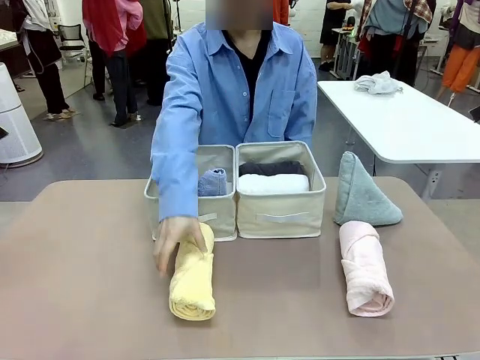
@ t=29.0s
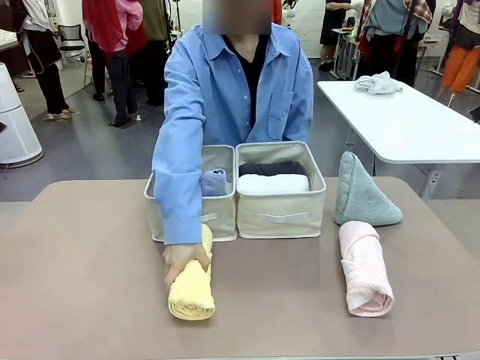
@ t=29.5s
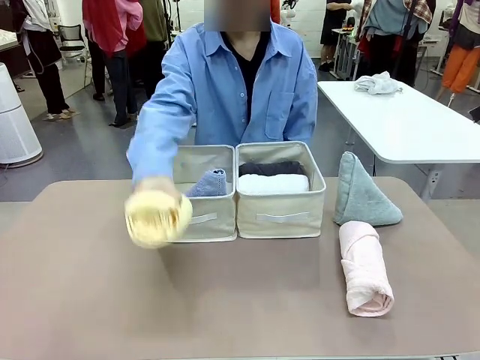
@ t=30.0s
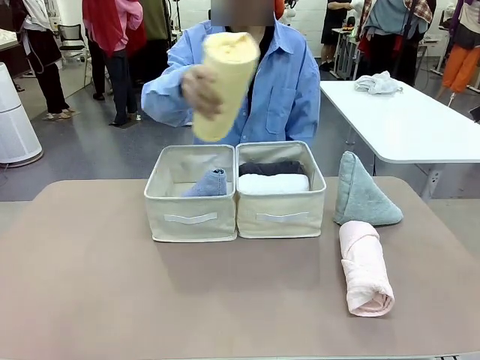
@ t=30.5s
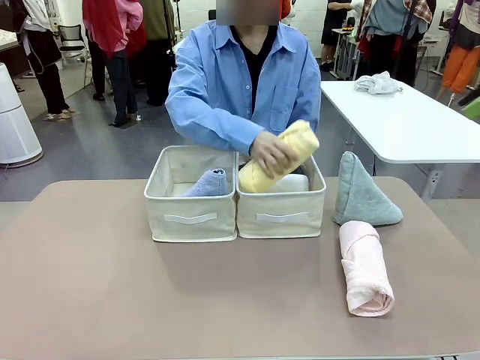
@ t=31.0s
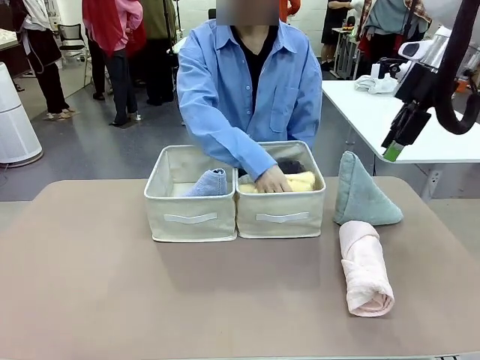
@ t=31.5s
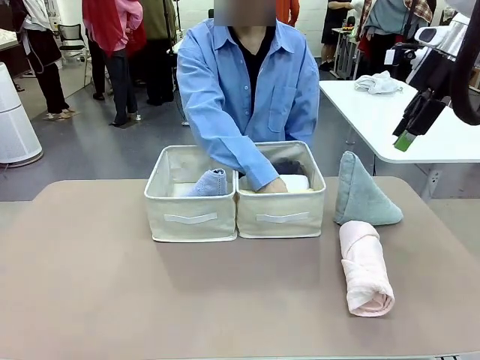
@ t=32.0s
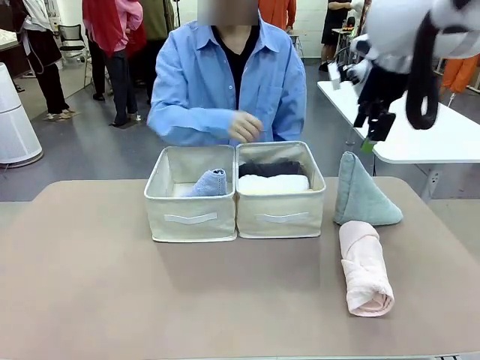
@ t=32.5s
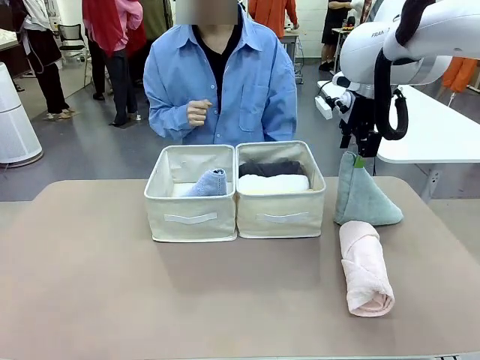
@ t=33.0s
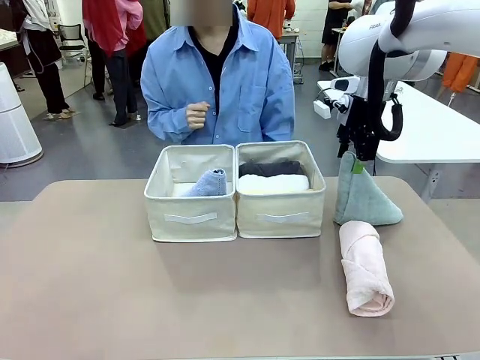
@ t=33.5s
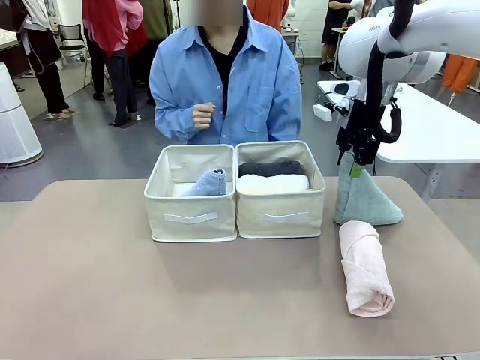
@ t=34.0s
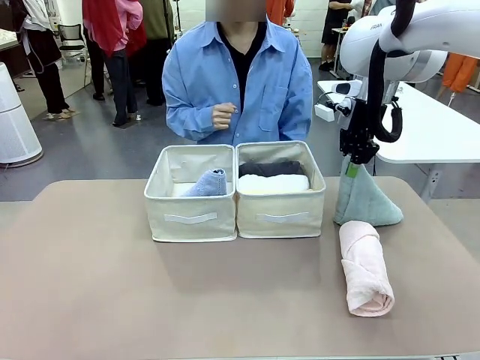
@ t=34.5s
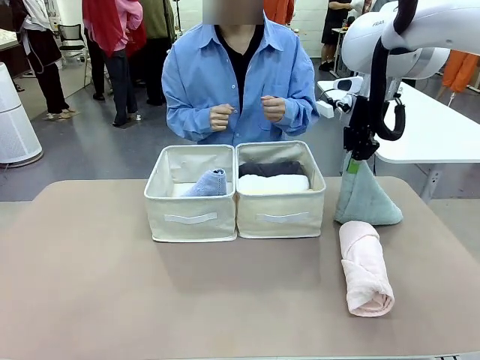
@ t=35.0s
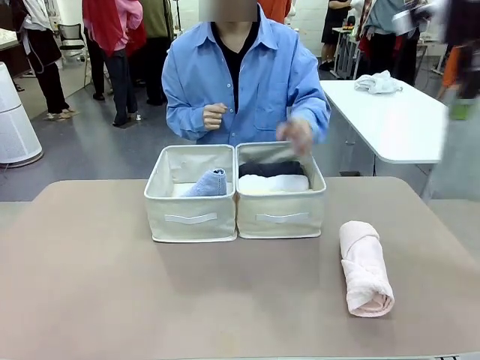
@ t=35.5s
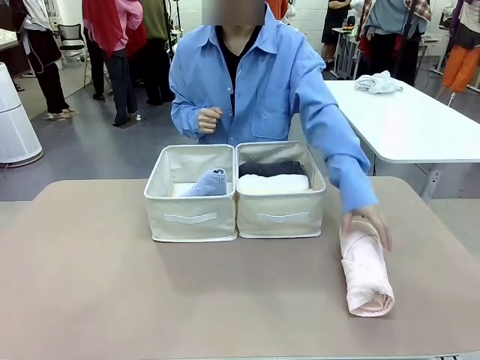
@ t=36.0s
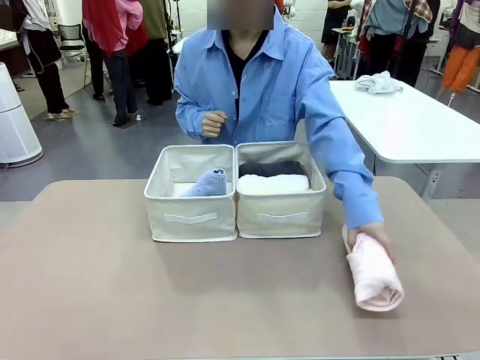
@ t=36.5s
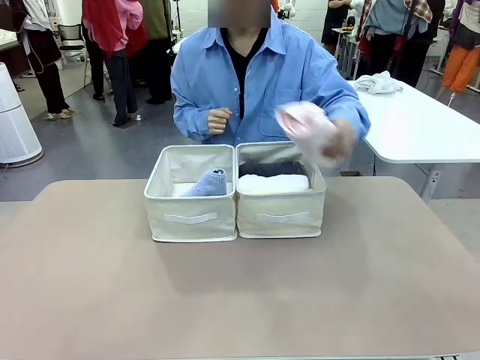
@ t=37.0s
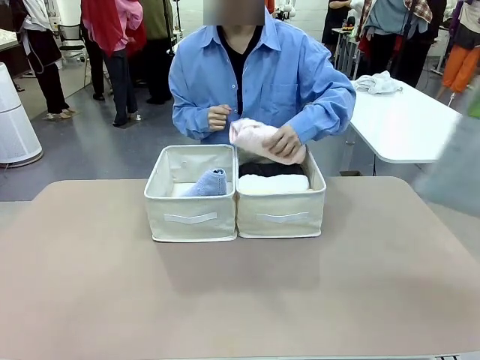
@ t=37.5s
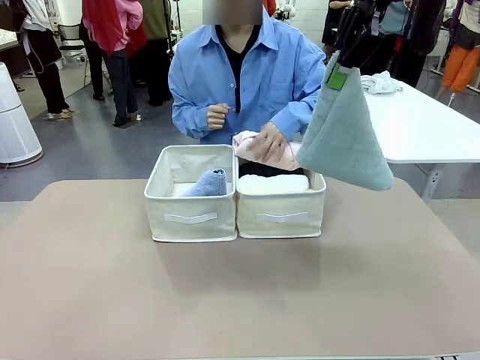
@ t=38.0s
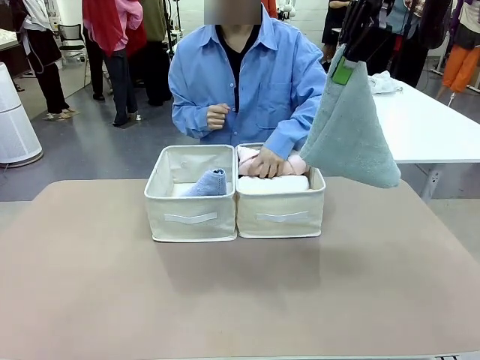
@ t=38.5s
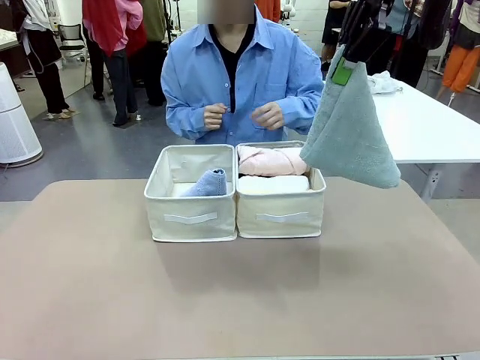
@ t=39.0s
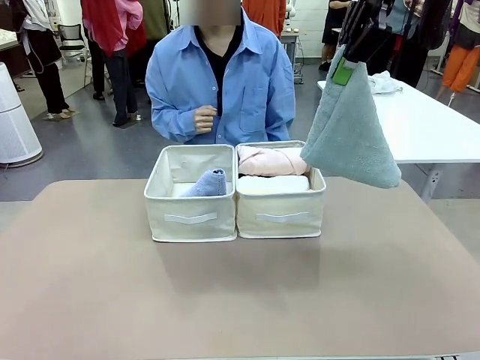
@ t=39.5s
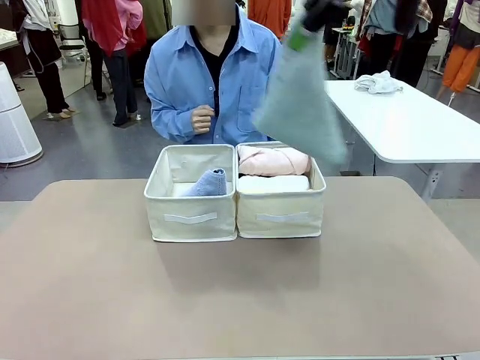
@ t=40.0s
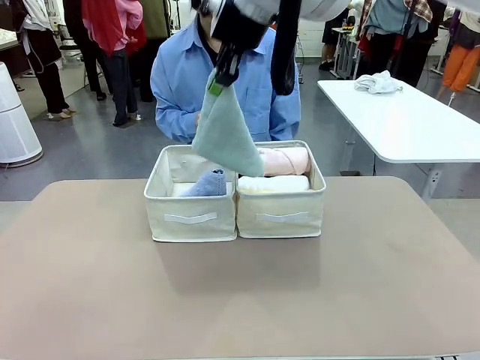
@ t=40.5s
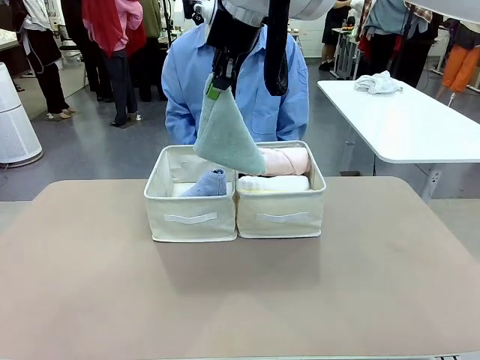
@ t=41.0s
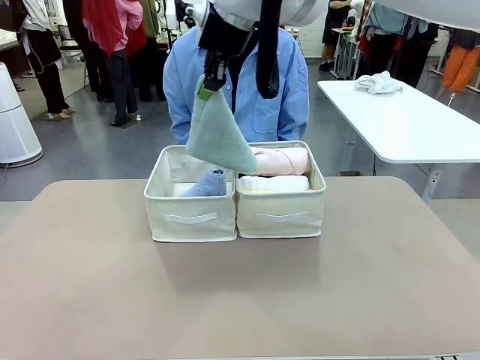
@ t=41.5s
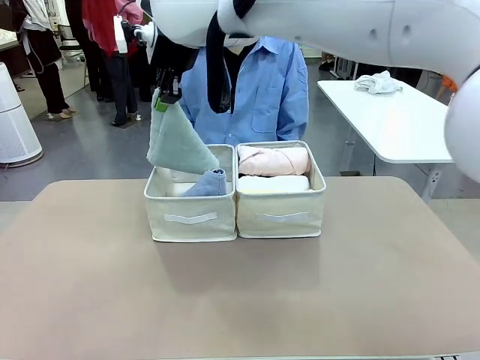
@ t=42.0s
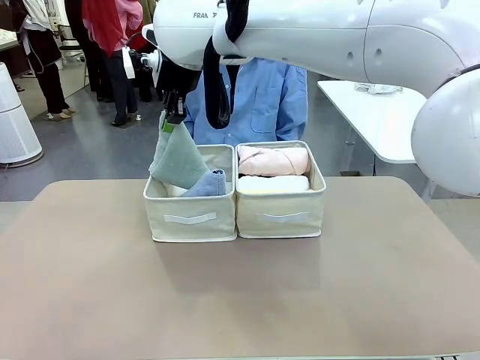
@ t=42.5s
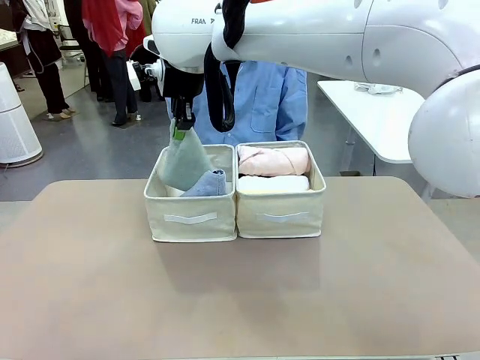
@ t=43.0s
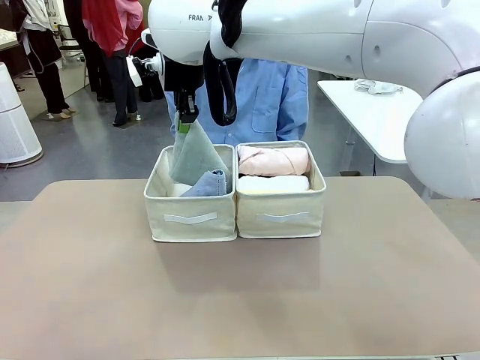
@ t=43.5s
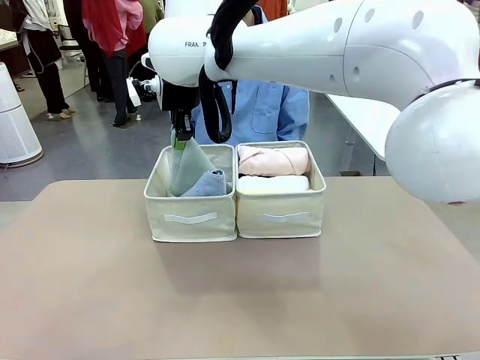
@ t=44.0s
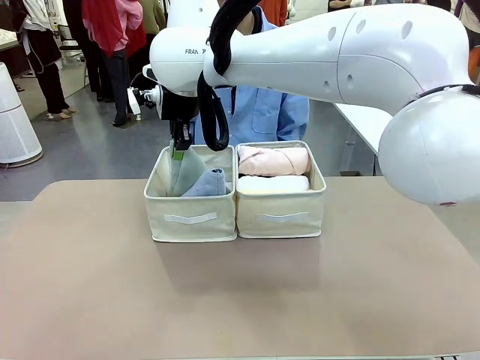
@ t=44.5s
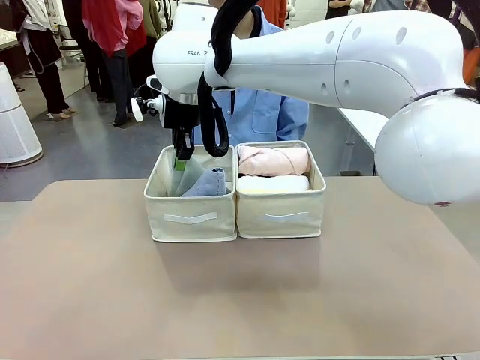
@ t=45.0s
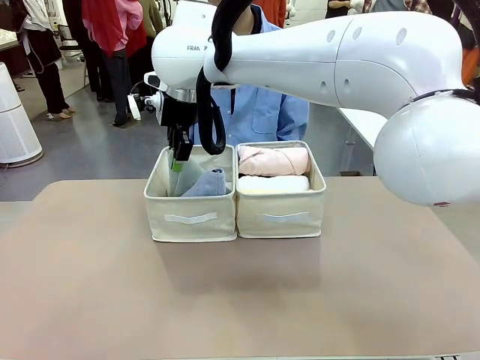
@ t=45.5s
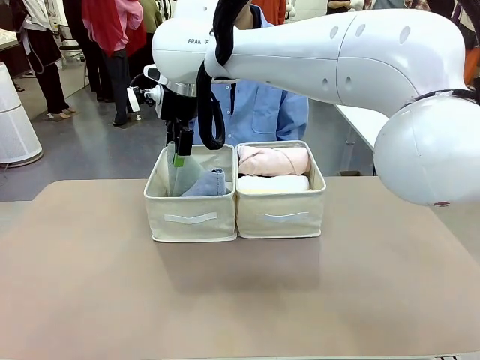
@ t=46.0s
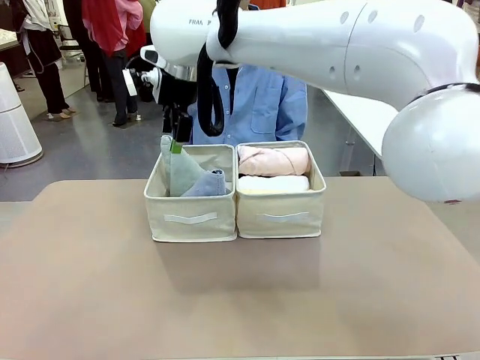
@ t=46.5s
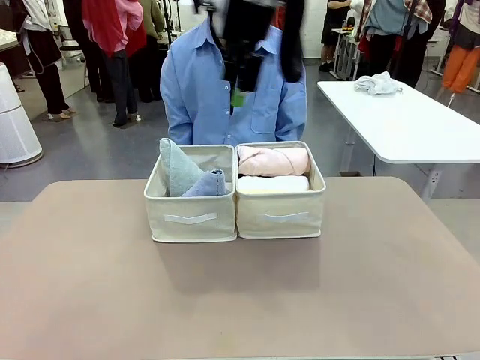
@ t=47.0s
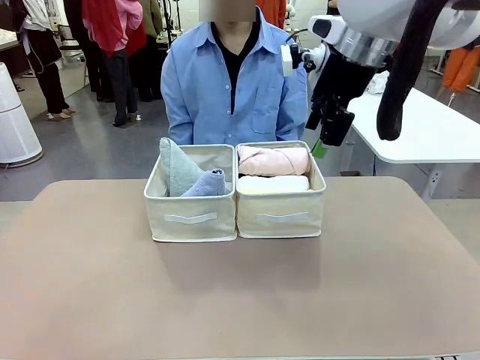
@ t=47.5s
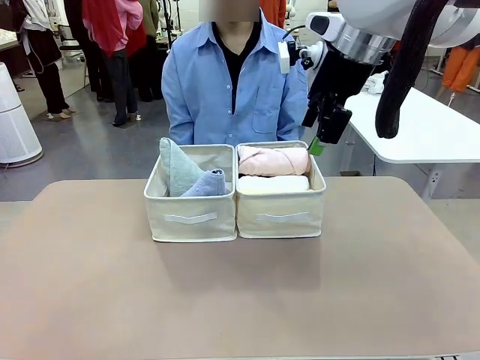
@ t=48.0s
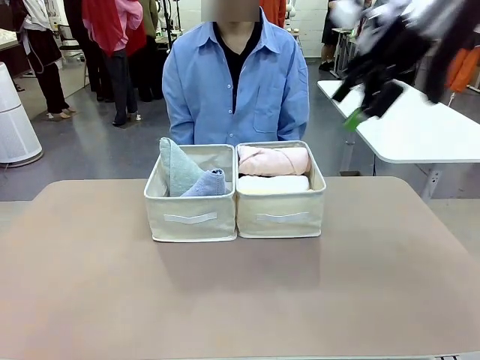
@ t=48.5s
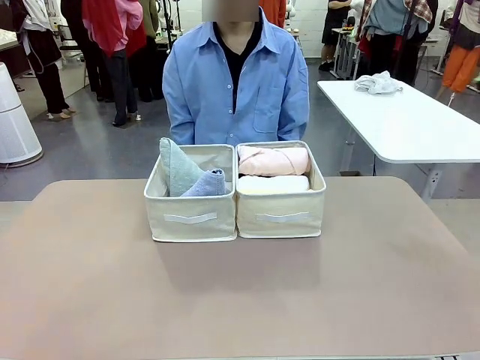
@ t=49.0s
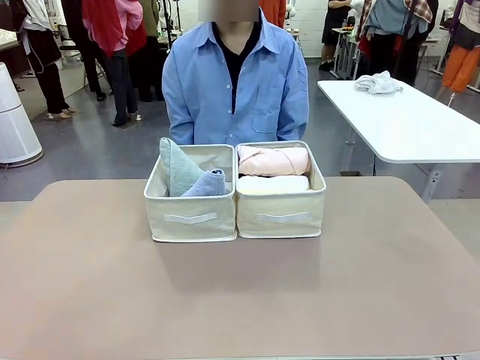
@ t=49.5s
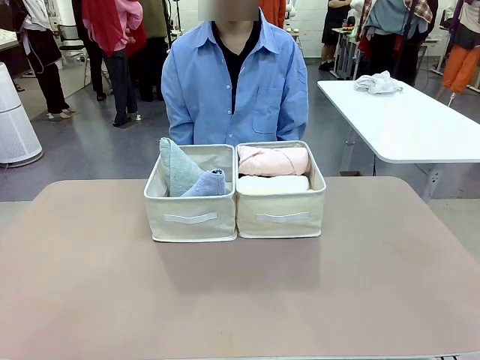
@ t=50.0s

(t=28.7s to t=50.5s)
Task: Sort the towels based on their folding style.
Robot: Pick up another triangle-folded towel from the table and place it in the left Fabric basket.
Person: Pick up one hotel-style rolled towel from the table and place it in the left fabric basket.

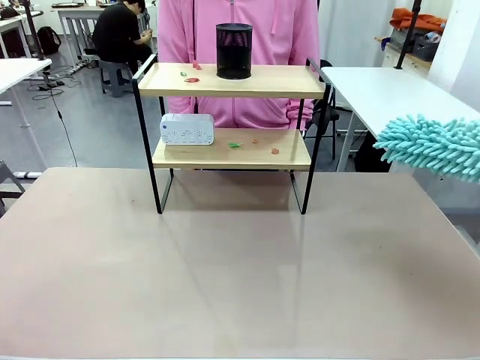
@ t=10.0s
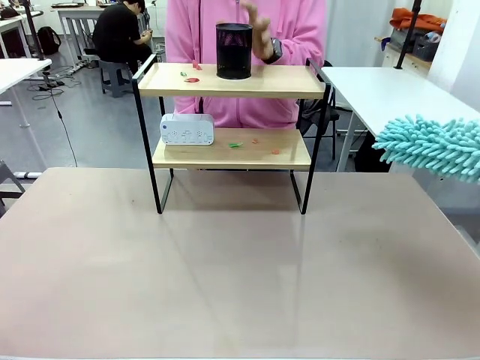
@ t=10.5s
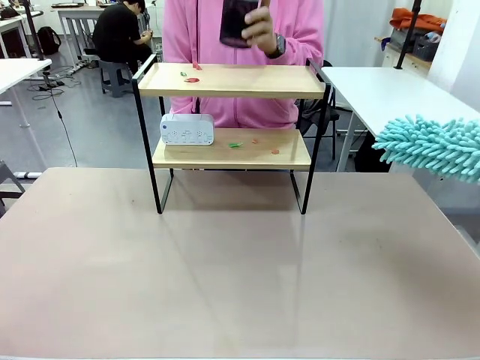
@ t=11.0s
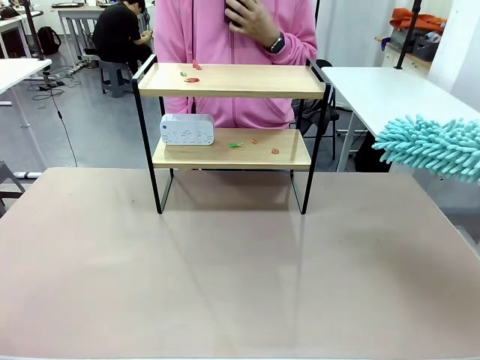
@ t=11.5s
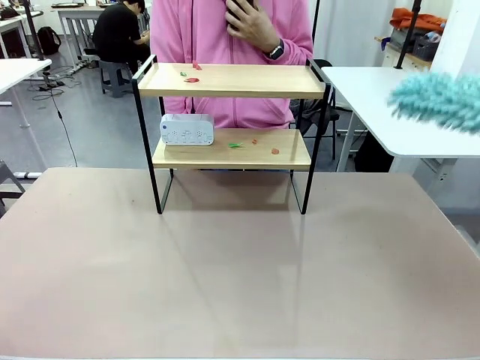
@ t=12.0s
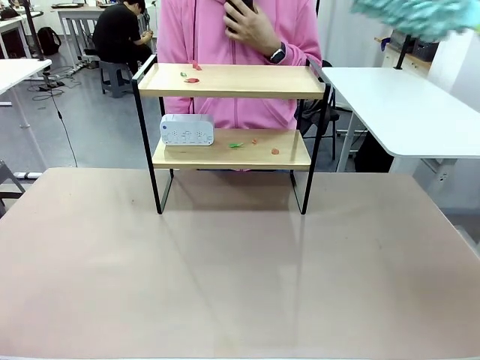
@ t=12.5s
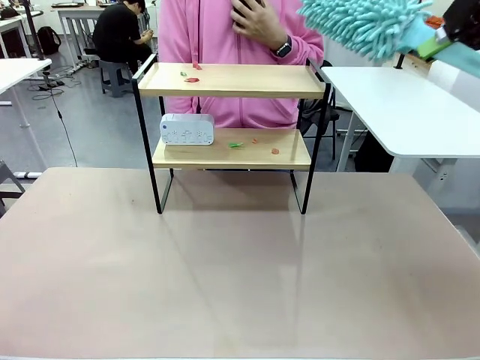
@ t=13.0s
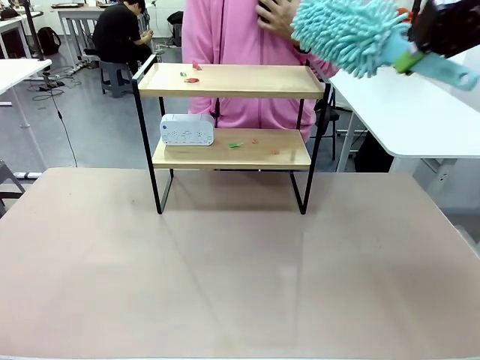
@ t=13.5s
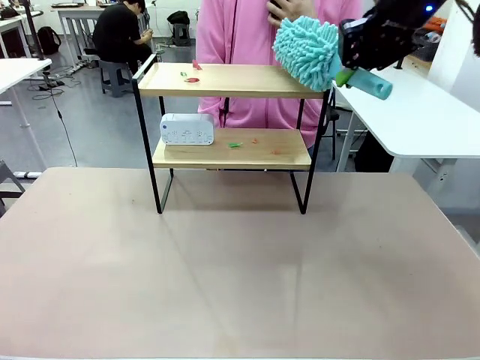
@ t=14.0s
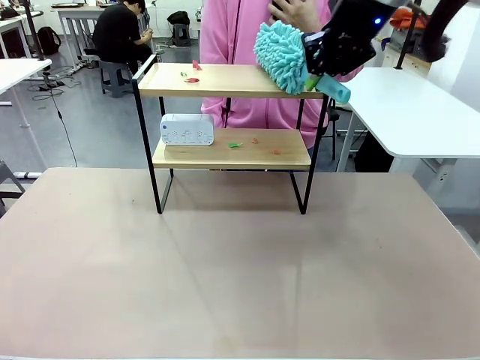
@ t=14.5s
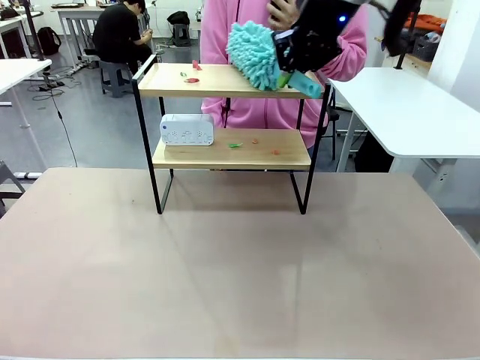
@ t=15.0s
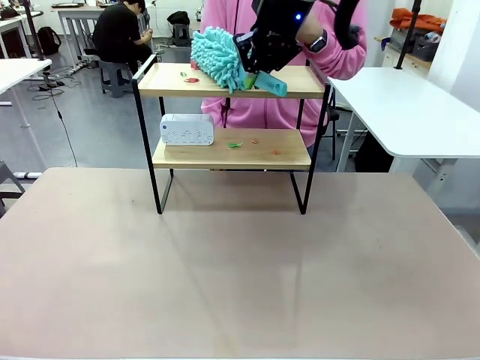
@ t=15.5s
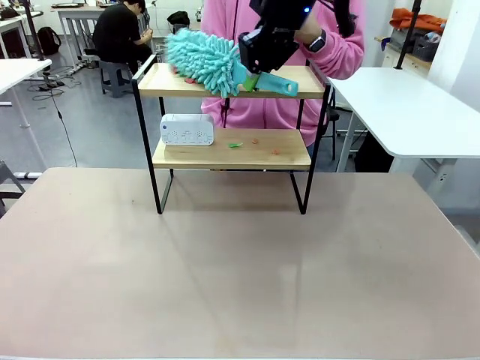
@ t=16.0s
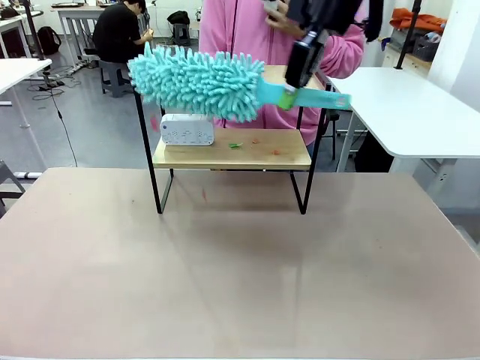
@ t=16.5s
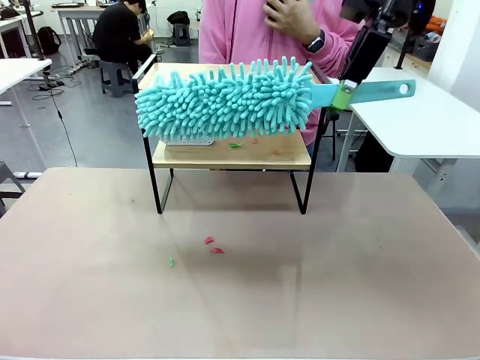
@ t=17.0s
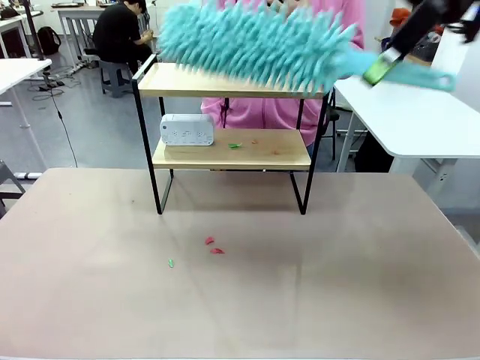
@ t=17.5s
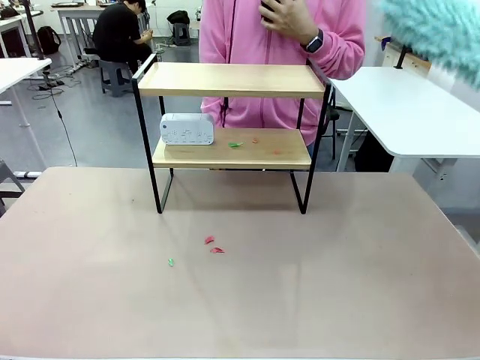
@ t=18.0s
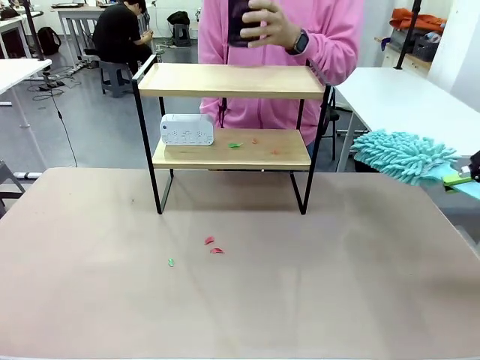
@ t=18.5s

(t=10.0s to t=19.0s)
Task: Clean the shelf.
Robot: Clean the specific tier of the Shelf with the Duster once objects are removed.
Person: Lift the objects on a randomly selected tier of the Shelf. Once the robot finishes cleaning, lift the objects on the remaining tiers of the Shelf.
